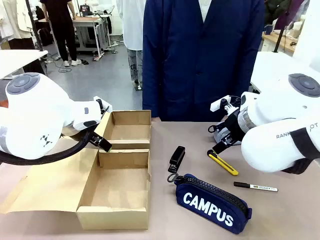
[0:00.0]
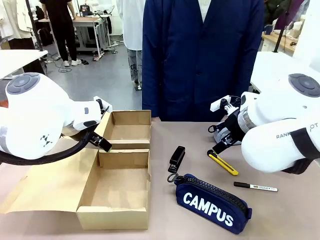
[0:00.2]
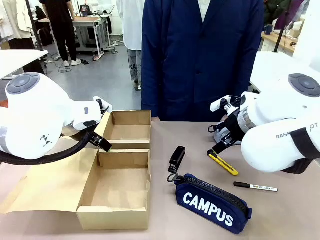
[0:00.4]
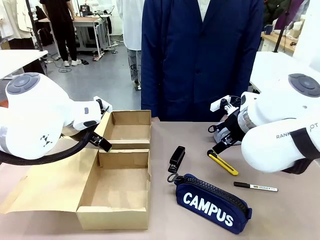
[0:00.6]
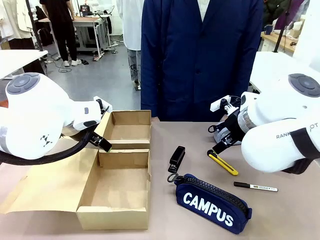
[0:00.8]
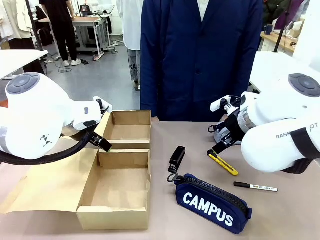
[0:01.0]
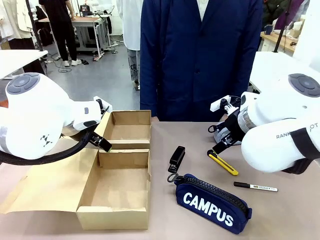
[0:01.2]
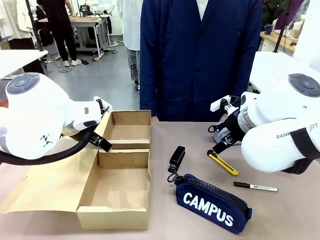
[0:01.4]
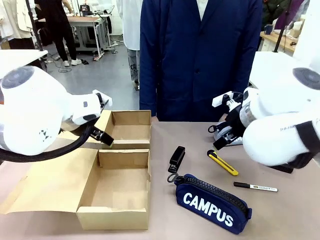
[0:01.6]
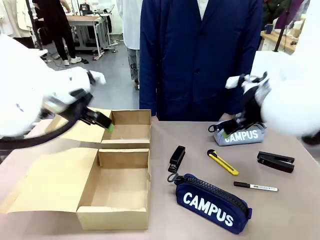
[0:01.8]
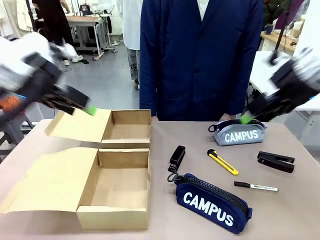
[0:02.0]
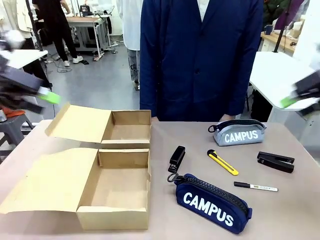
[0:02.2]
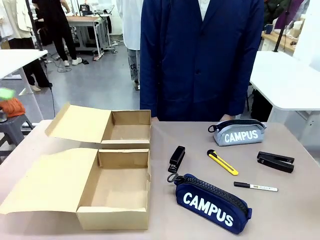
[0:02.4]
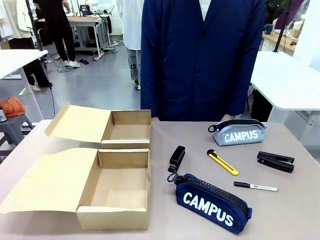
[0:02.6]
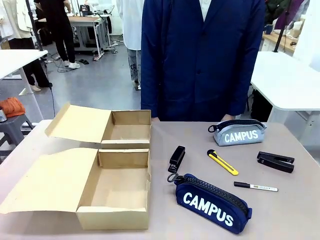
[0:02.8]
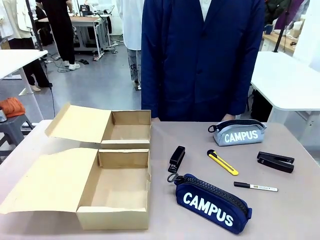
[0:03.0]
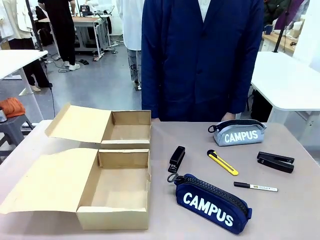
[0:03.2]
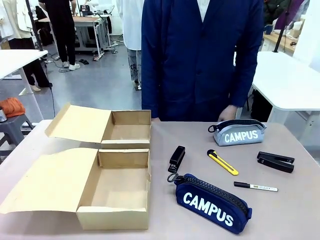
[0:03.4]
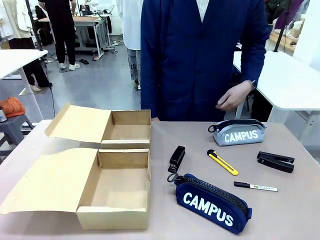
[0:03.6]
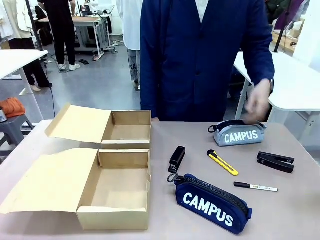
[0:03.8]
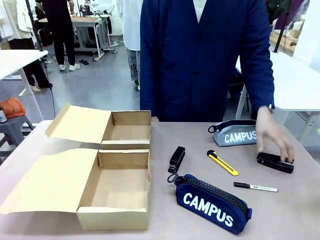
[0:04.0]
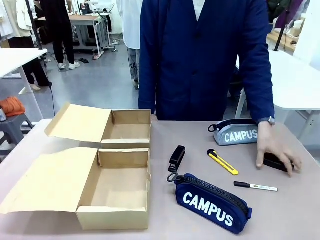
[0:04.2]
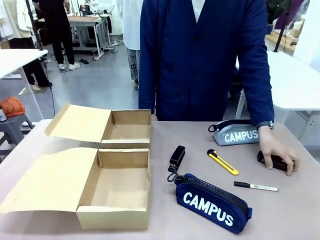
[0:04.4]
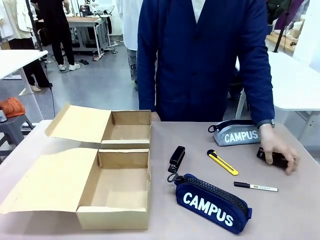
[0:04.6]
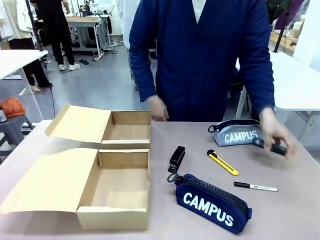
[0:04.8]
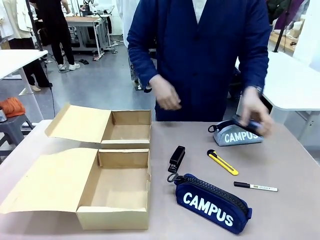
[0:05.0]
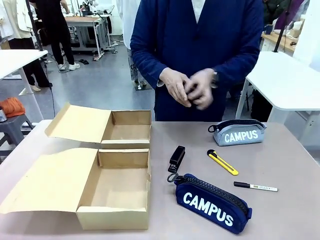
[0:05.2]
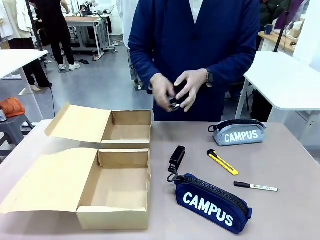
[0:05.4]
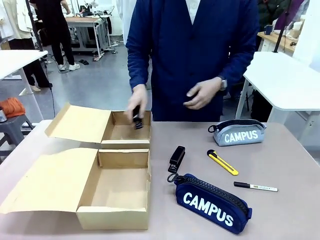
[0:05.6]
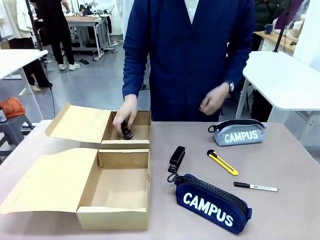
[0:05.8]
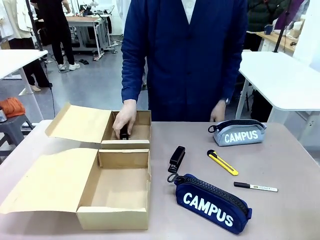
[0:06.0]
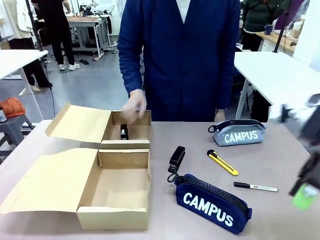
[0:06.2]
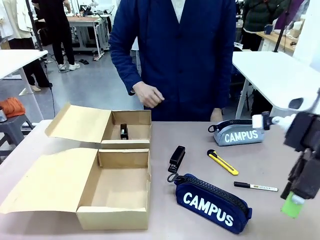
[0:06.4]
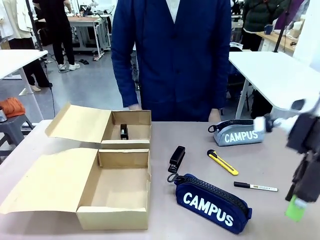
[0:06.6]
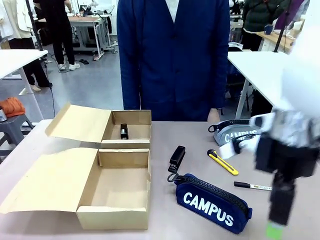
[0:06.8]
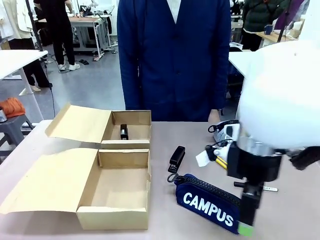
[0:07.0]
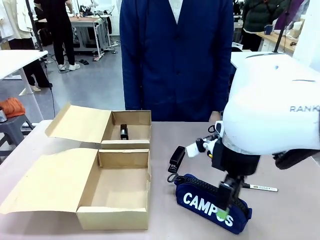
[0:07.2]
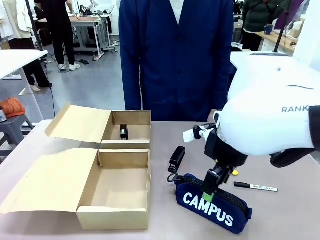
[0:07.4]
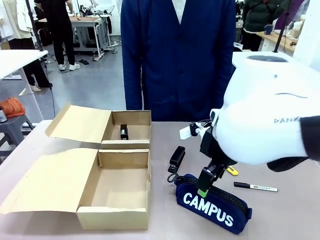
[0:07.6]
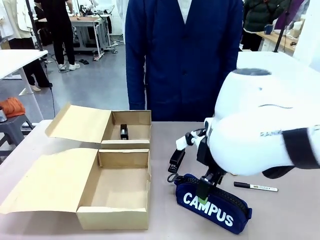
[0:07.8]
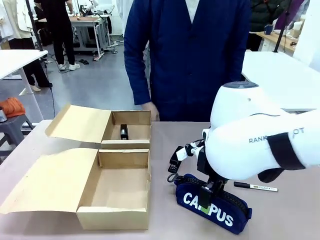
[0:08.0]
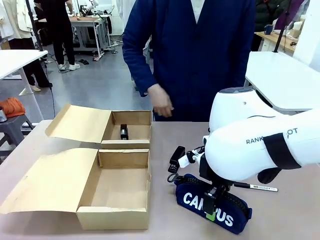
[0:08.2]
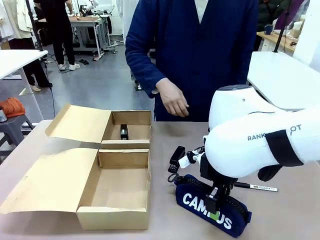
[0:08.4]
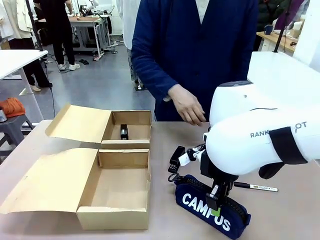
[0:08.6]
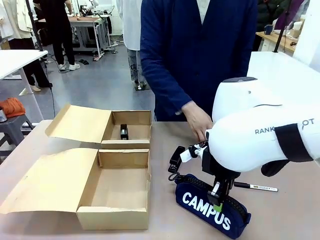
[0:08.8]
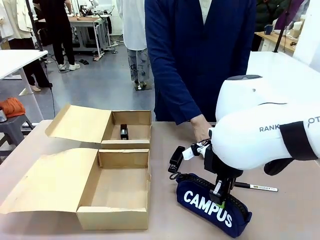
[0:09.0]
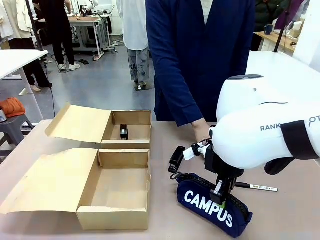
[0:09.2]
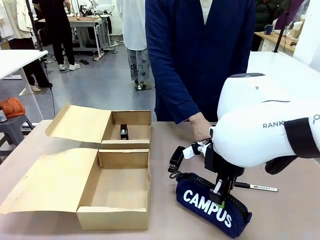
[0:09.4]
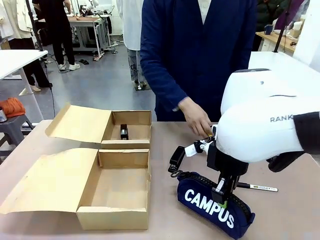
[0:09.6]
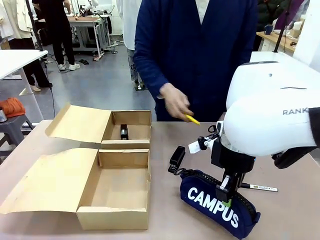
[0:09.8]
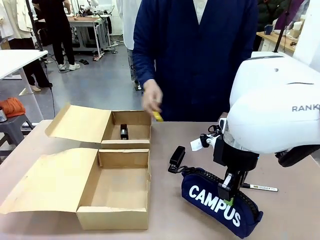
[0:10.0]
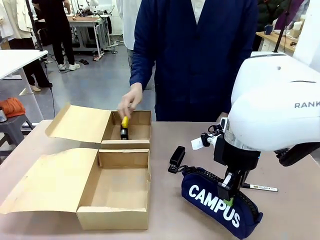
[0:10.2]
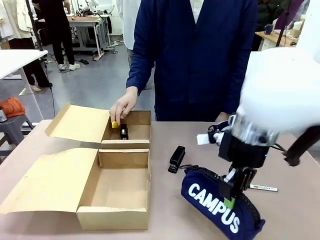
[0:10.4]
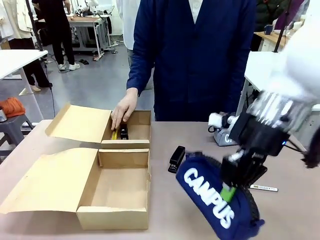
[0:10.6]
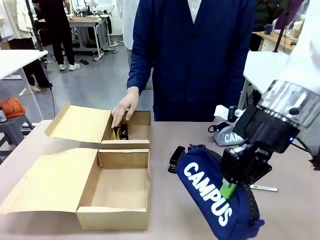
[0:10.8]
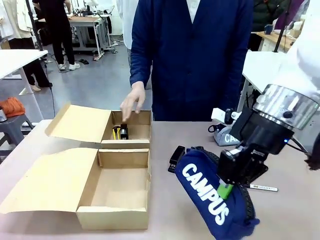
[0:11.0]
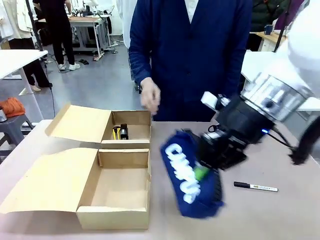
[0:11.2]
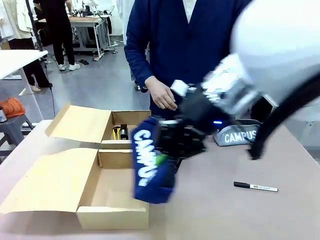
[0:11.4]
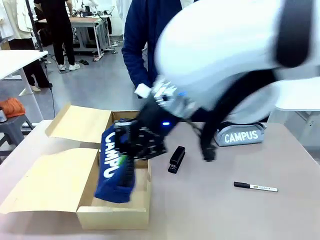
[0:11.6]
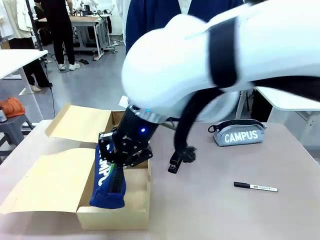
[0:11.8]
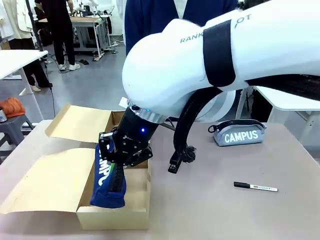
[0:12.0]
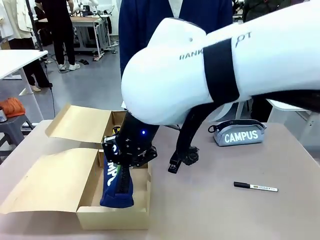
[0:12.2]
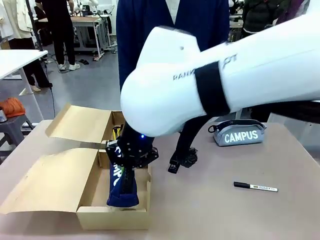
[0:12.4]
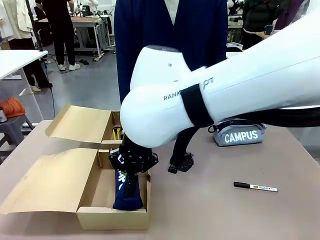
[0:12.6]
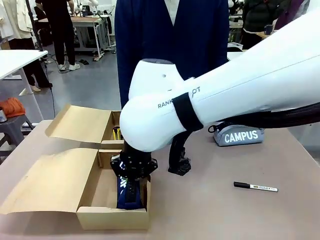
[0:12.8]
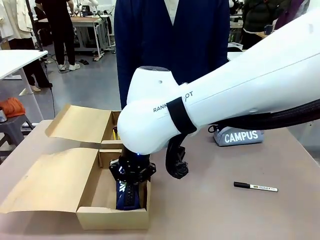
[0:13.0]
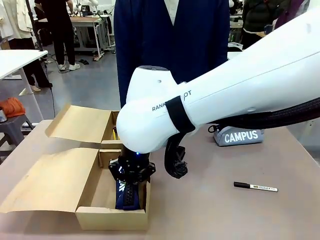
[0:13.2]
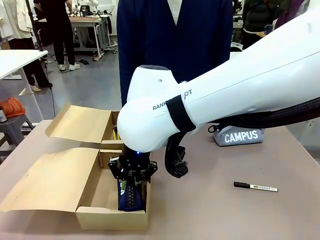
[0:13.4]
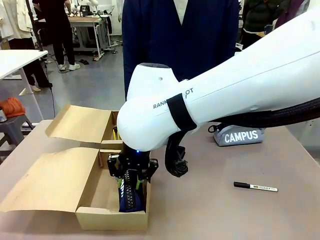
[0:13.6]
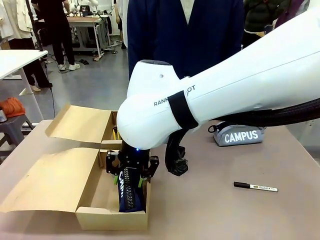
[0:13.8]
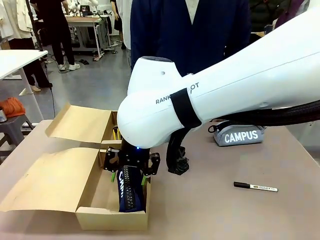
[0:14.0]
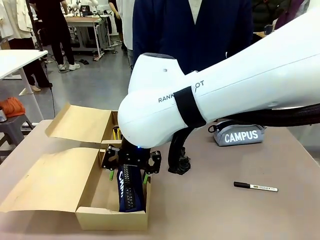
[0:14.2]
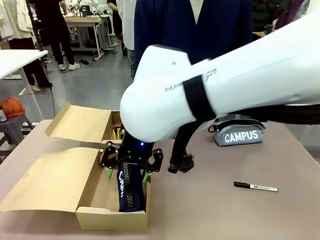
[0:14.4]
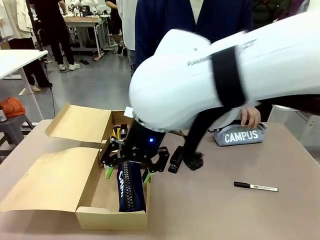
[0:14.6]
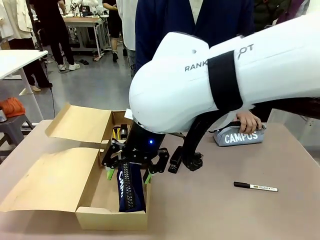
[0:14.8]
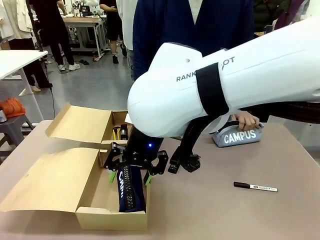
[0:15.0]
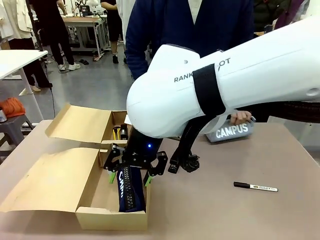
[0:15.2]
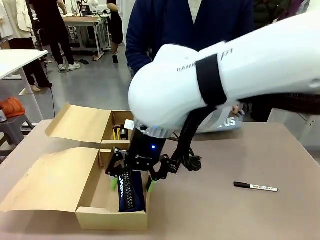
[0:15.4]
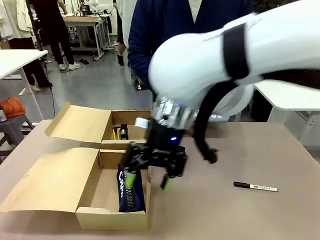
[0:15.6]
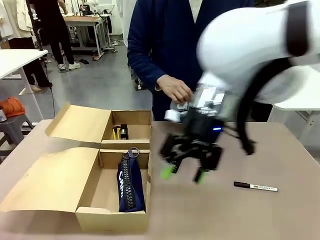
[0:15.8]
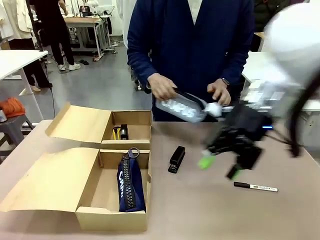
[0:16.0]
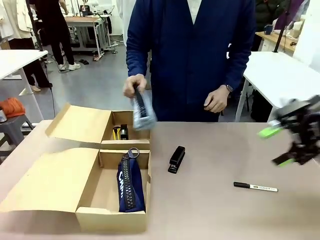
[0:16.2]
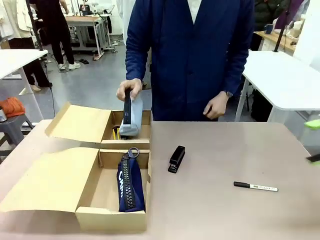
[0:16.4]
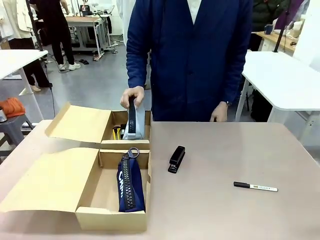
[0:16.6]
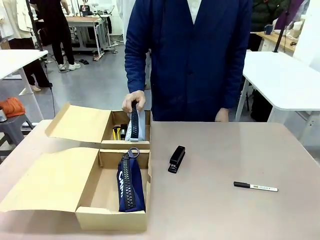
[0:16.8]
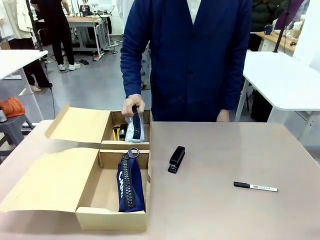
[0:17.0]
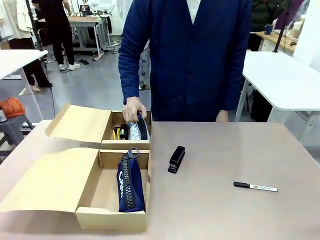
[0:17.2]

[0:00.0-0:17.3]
Task: Place items inside the box.
Robot: Pick up a Pencil pouch or Stapler and place it inside the Mailer Box closest to the robot.
Person: Pick up an object on the table and put it in the box.
